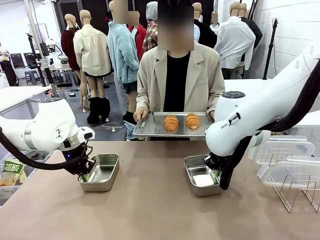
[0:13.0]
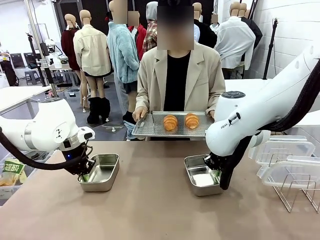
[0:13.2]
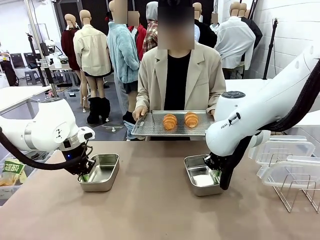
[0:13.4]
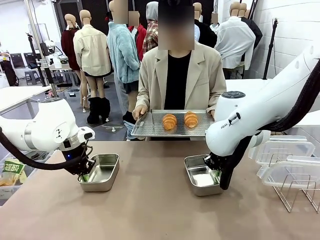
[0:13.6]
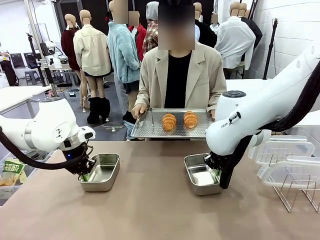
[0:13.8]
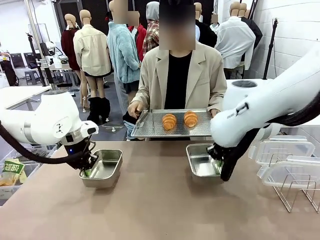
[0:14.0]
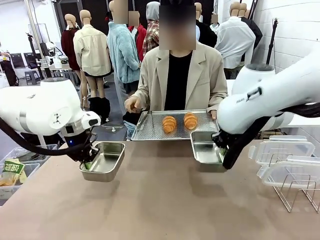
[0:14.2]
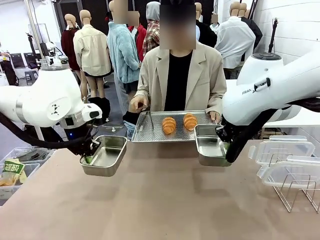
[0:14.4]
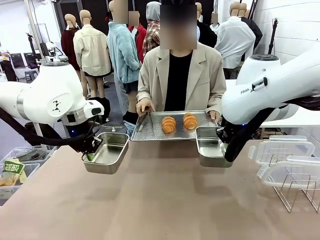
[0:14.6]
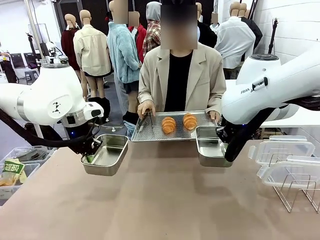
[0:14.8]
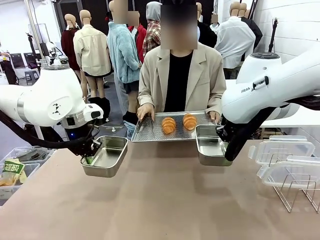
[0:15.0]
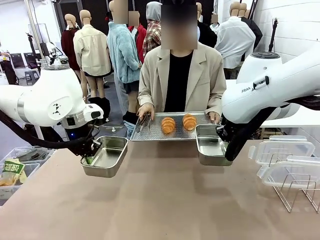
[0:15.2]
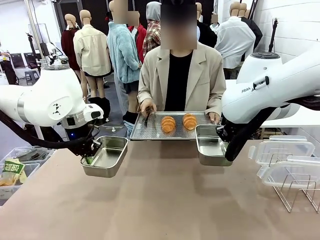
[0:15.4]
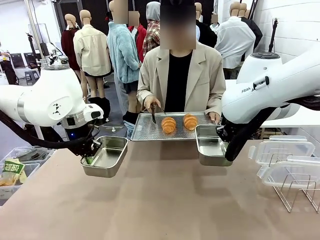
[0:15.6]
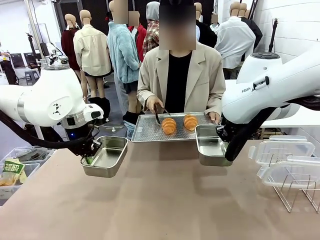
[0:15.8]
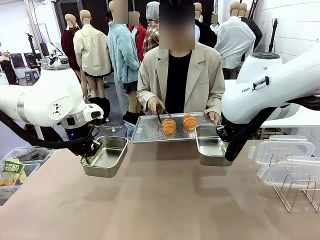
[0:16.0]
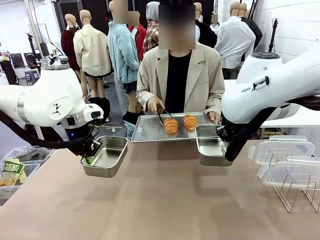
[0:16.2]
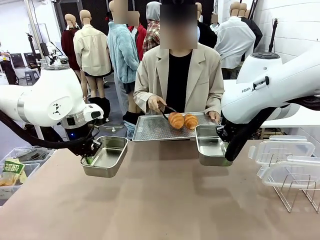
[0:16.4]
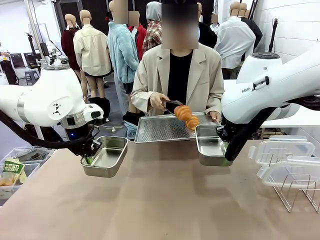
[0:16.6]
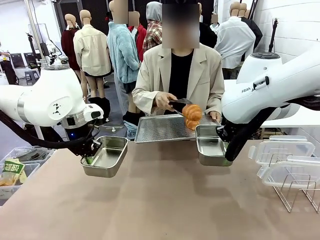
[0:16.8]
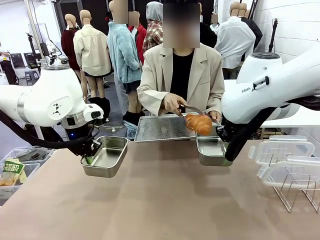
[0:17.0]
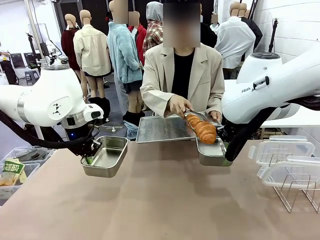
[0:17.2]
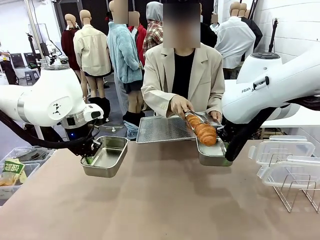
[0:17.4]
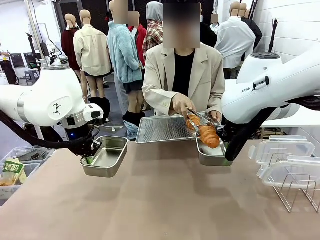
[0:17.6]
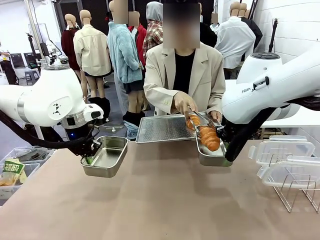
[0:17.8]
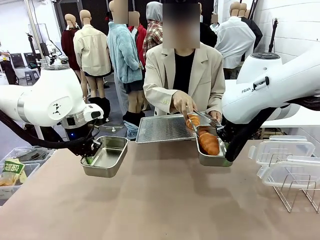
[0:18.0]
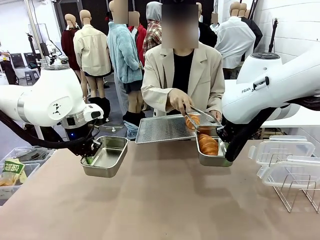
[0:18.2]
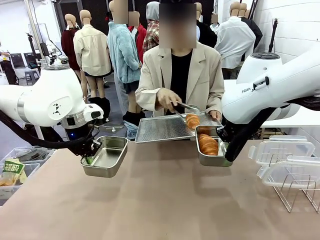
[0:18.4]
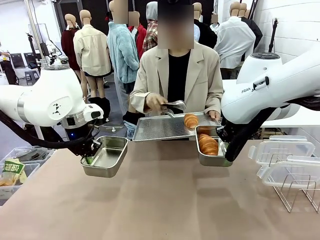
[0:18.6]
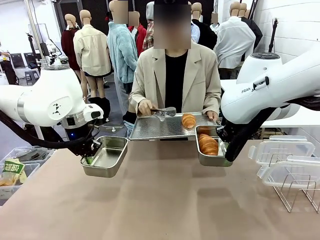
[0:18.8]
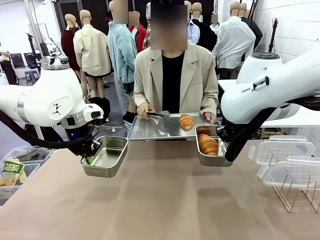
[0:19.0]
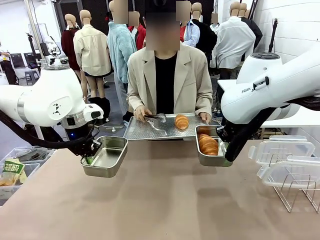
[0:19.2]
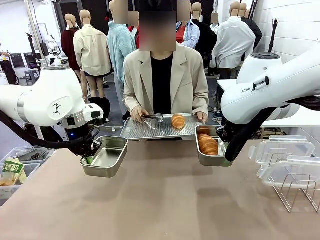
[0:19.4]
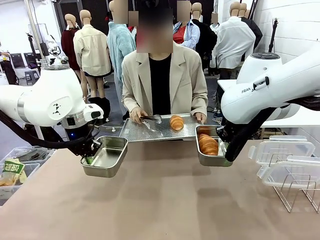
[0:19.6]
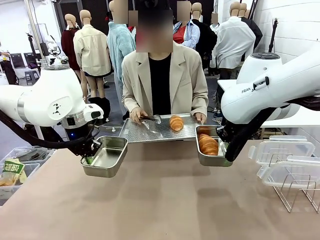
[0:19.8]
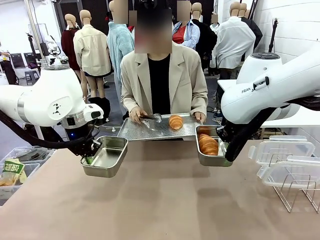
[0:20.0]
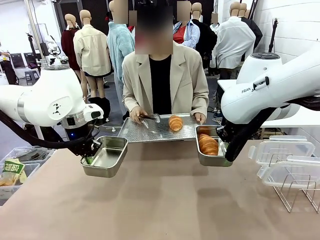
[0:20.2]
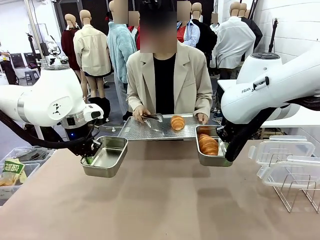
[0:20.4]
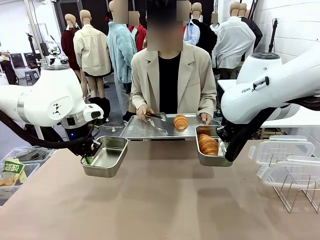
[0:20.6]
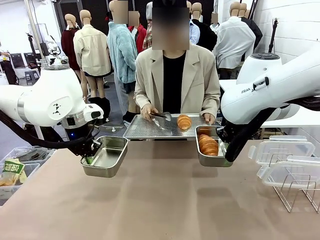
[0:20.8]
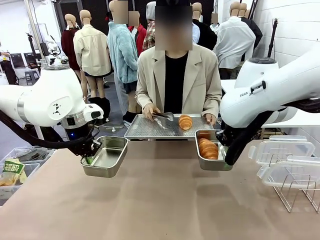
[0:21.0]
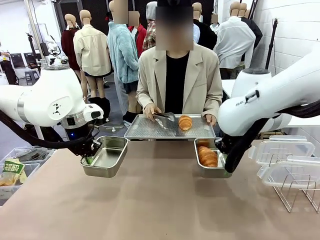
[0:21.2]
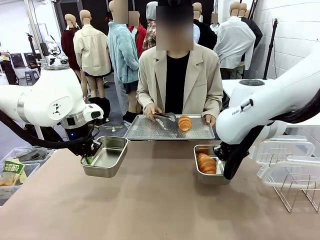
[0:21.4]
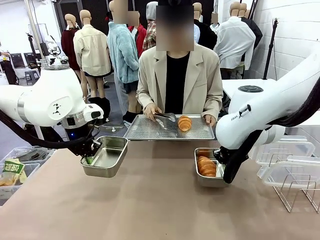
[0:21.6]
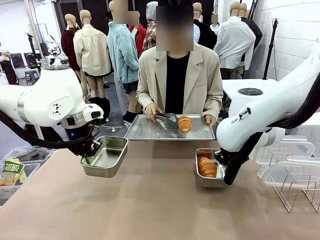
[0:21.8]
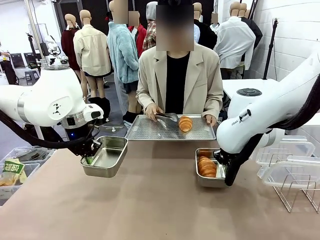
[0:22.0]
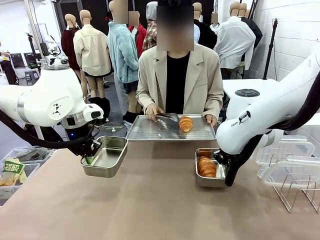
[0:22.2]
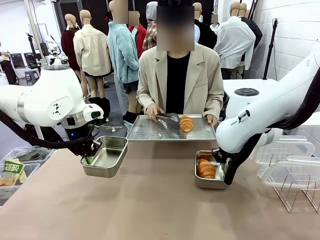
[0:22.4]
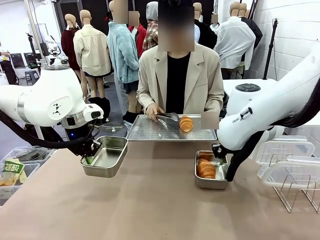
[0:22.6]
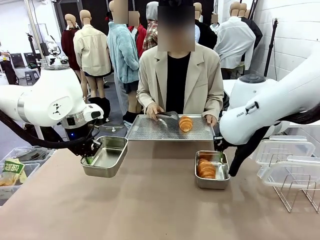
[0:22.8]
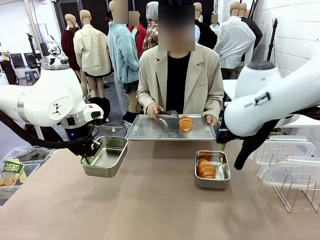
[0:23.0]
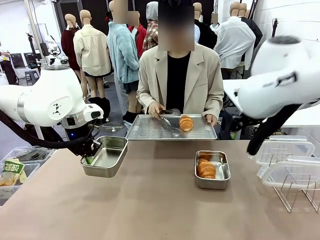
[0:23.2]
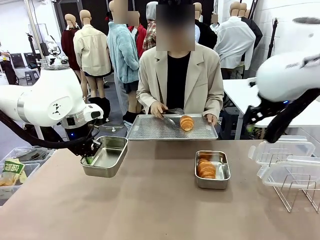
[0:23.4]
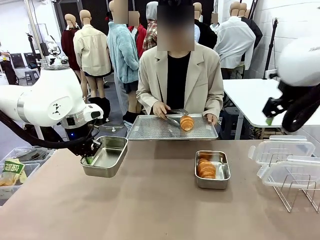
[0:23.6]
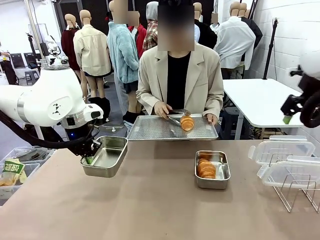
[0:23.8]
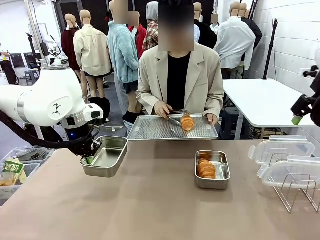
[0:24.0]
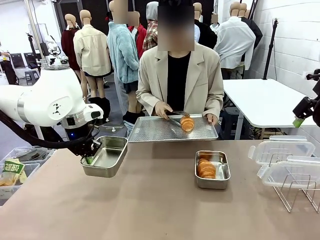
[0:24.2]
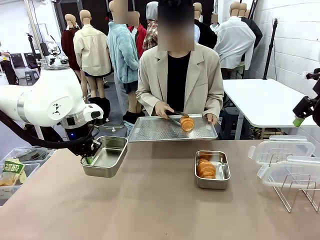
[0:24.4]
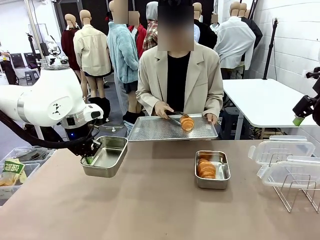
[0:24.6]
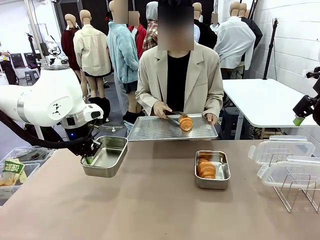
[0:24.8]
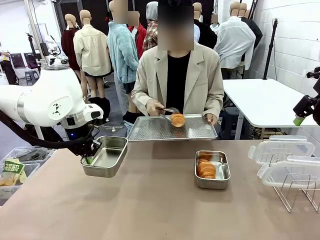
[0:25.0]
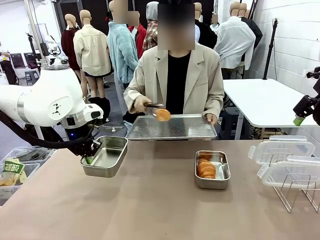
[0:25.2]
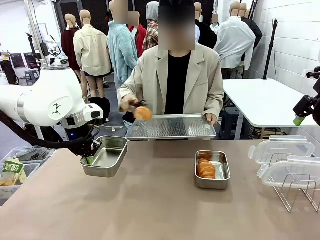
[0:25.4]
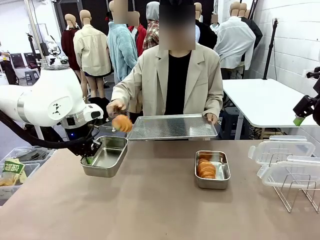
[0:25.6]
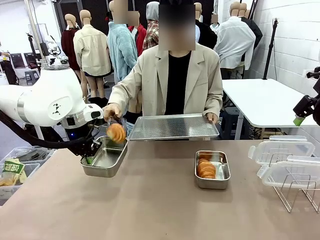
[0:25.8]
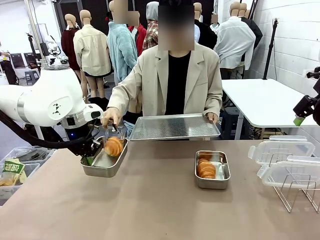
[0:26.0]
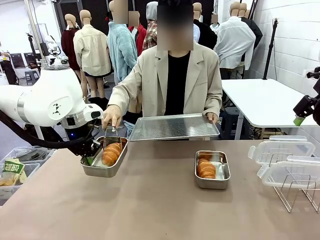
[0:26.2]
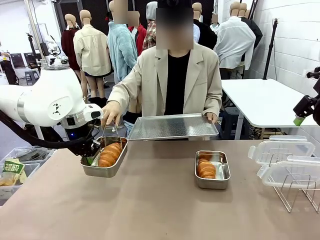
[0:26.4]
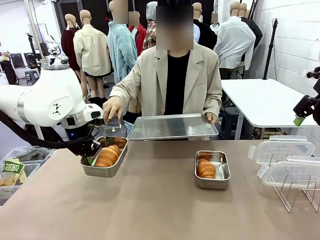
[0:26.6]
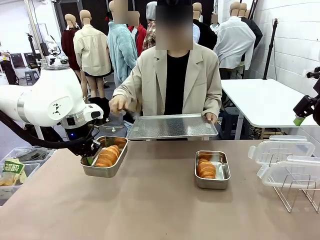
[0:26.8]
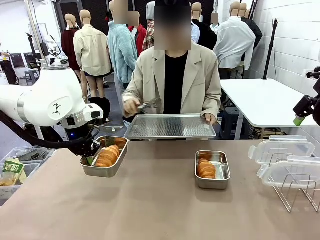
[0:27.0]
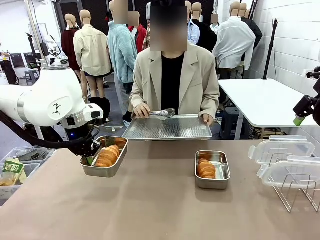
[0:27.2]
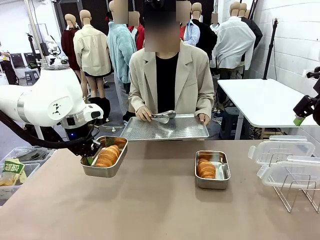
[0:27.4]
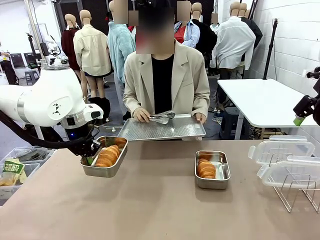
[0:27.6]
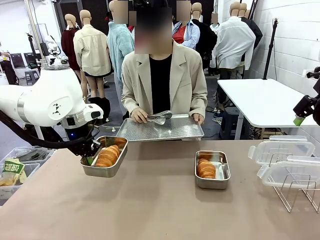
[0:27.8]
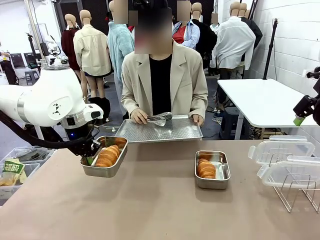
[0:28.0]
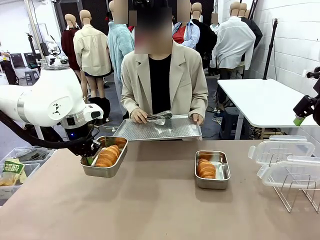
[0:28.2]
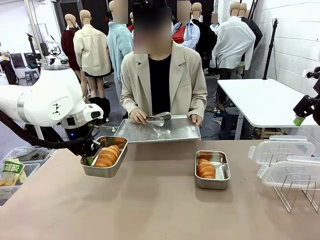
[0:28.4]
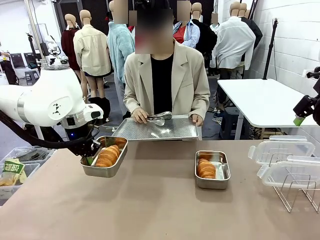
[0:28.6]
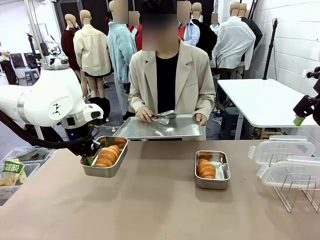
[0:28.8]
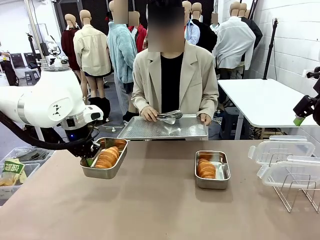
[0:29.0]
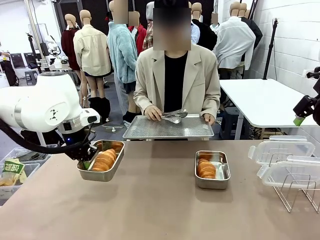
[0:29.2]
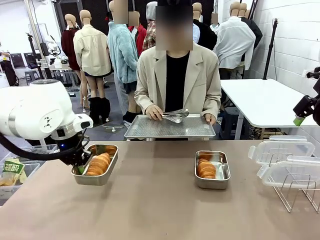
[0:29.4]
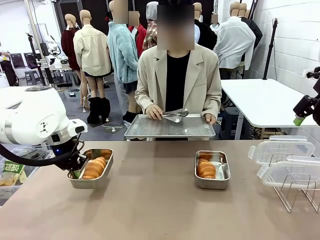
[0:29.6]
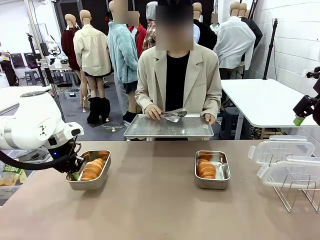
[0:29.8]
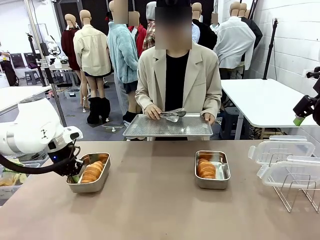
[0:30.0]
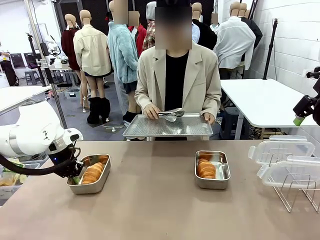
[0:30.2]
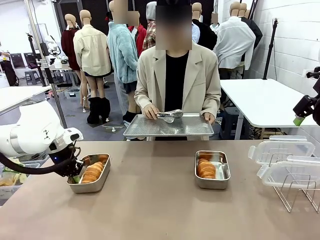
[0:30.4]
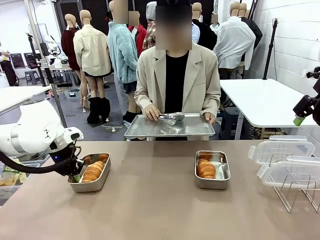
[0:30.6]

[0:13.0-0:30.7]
Task: Place the bread in airtight containers.
Robot: Once an object is inside an Airtight Container , place the container in the center of the table.
Person: Use the Stainless steel tongs to place one object from Baking Sheet into one Airtight Container.
